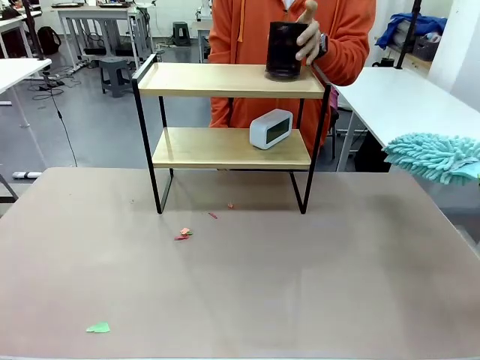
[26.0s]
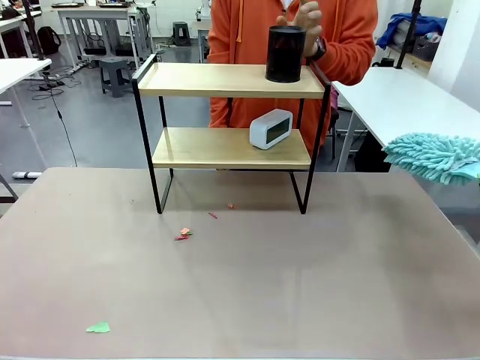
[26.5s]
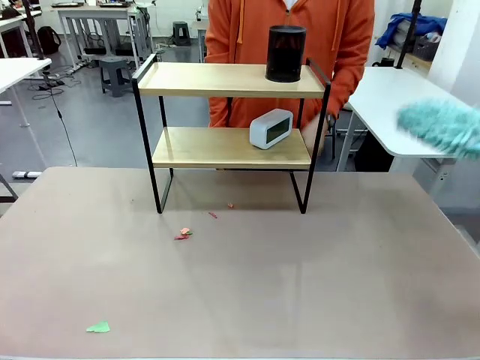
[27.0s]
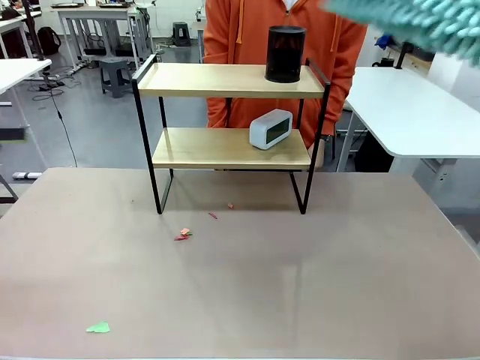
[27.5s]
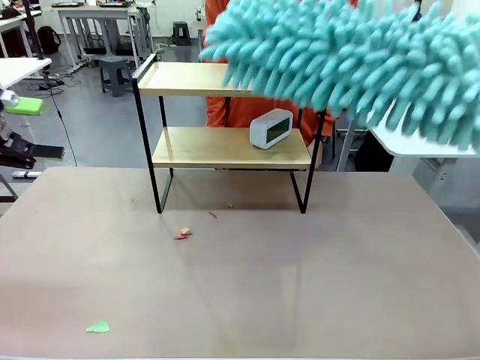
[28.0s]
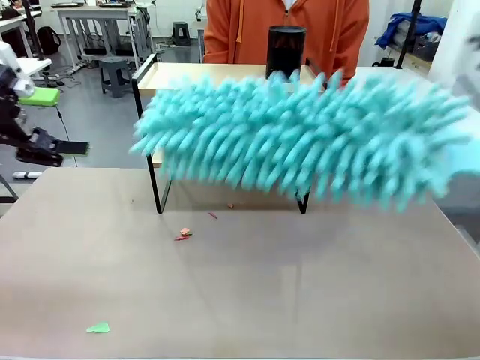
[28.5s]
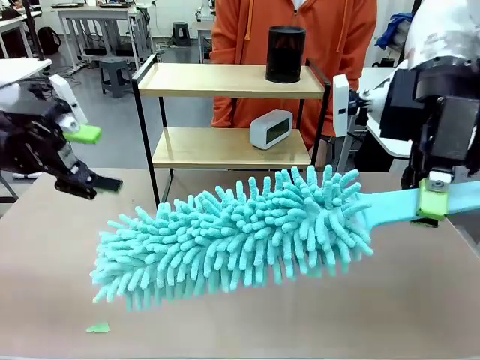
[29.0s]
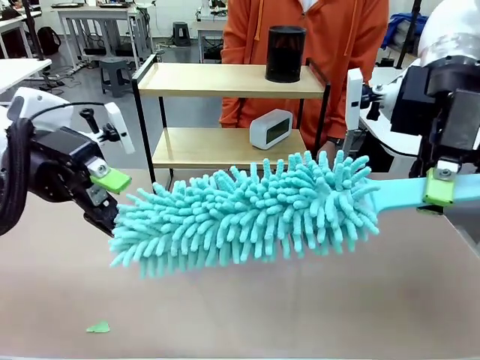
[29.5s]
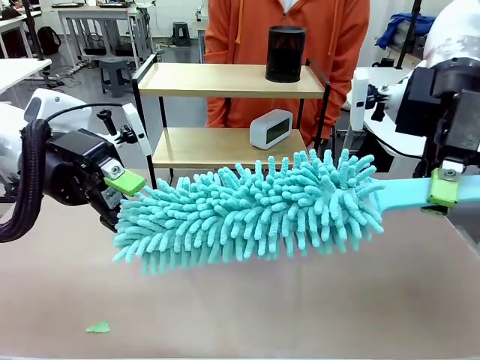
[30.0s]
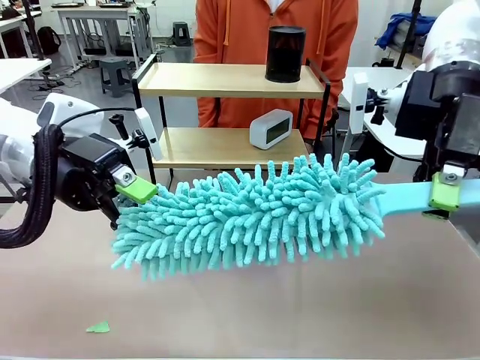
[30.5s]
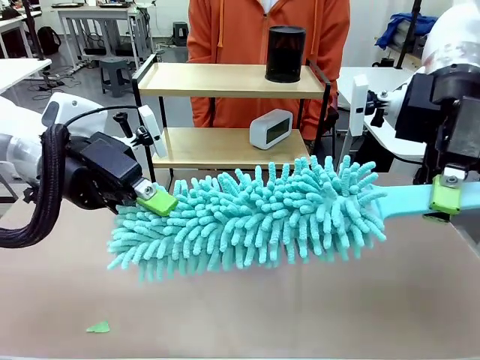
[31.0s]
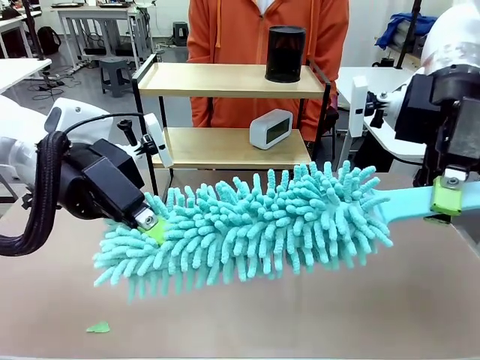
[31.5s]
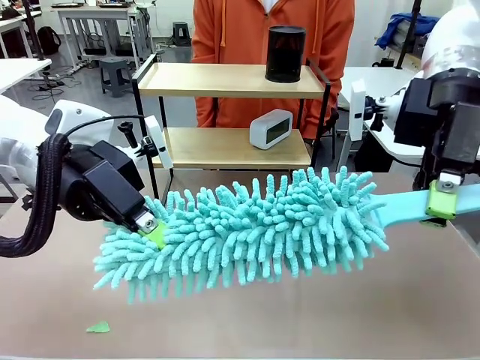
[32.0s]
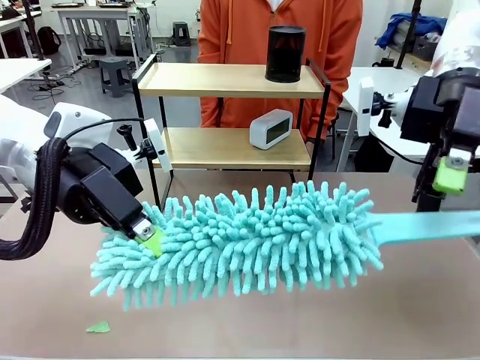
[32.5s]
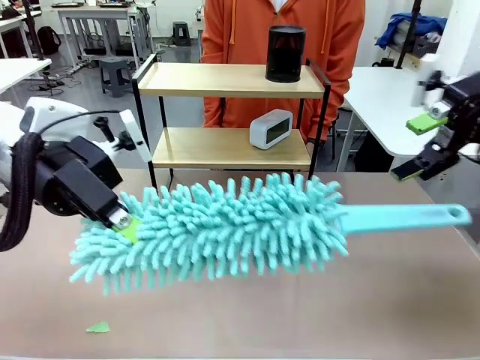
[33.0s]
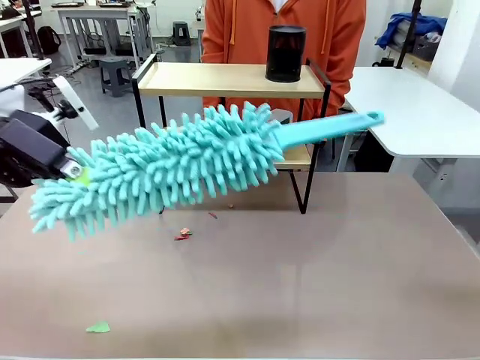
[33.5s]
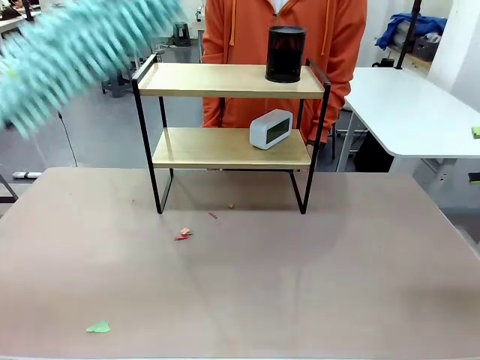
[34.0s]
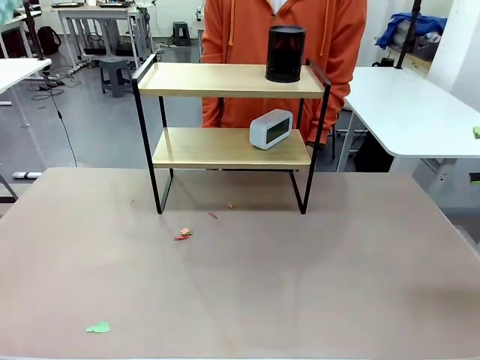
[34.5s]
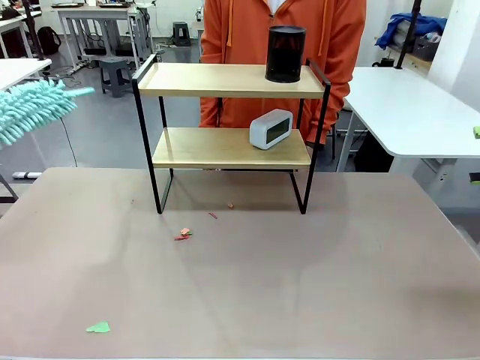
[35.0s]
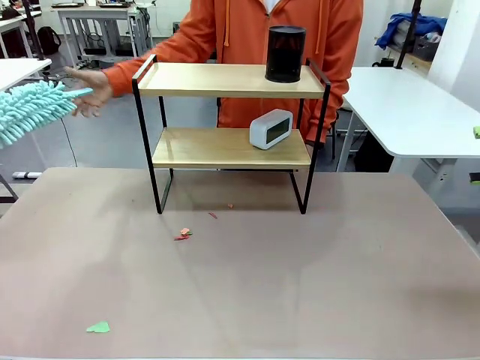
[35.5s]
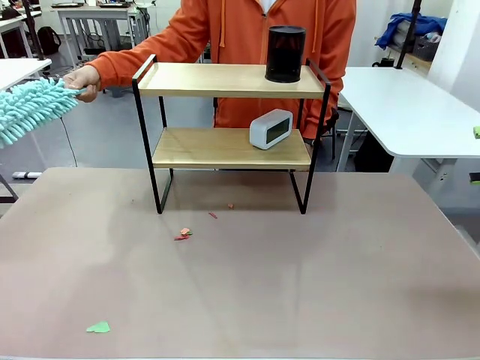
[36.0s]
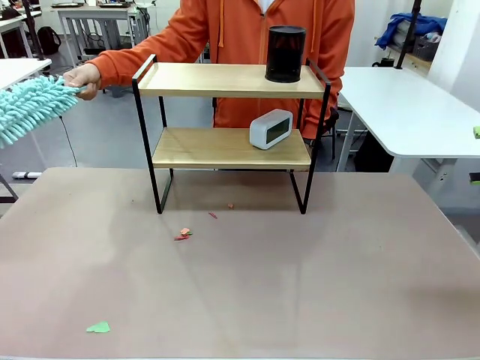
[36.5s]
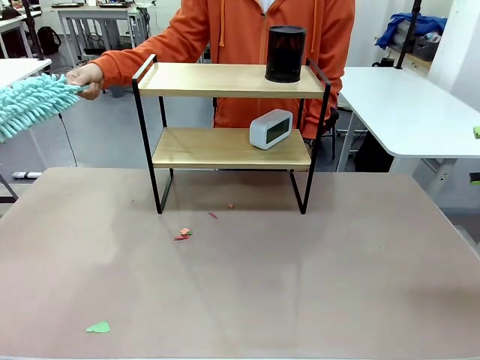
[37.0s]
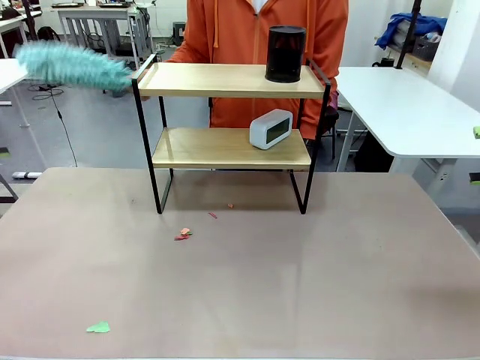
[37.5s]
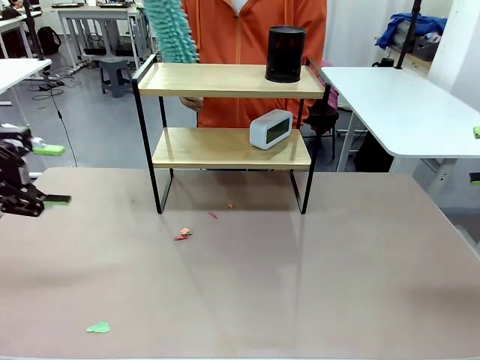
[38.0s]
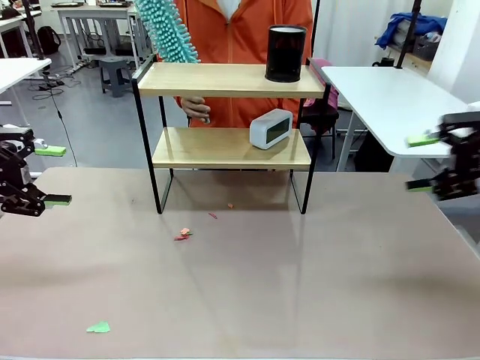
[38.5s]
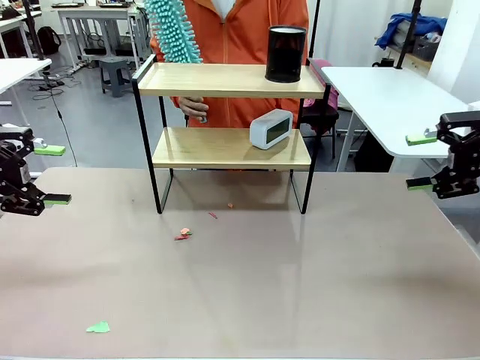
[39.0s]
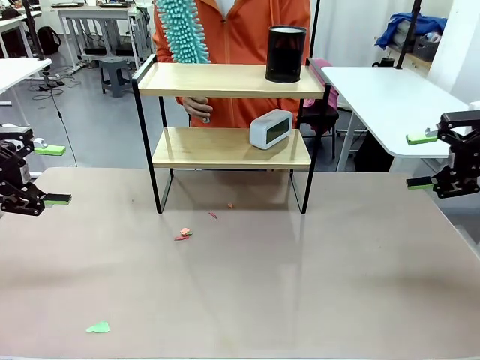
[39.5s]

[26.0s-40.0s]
Task: Clean the shelf.
Robot: Hand the Duster back to the human.
Person: Receive the Duster from the robot.

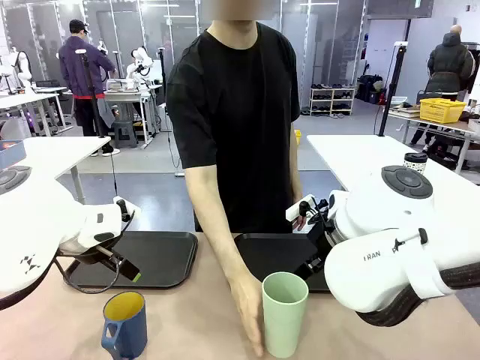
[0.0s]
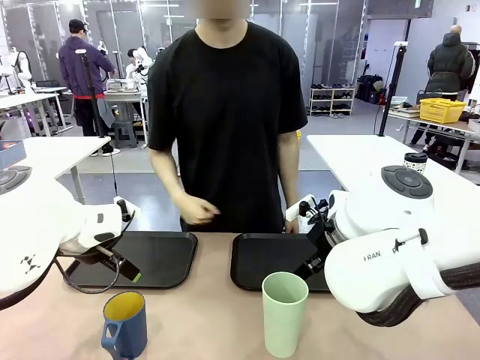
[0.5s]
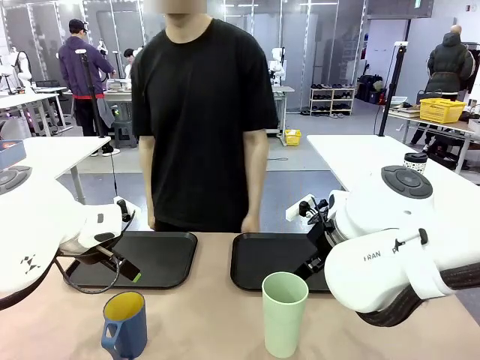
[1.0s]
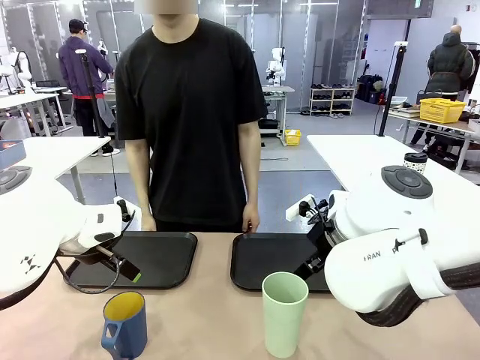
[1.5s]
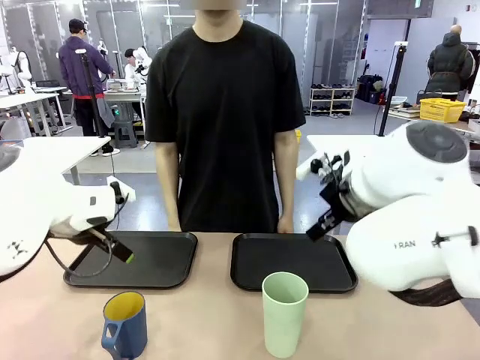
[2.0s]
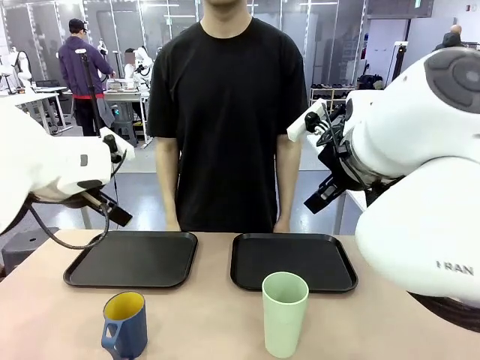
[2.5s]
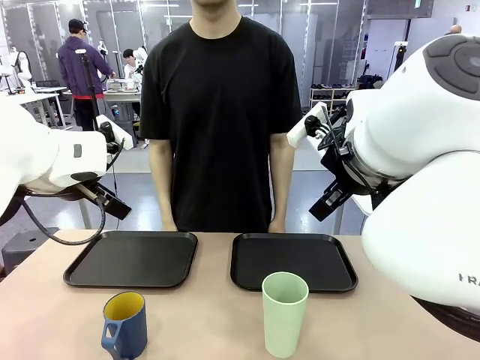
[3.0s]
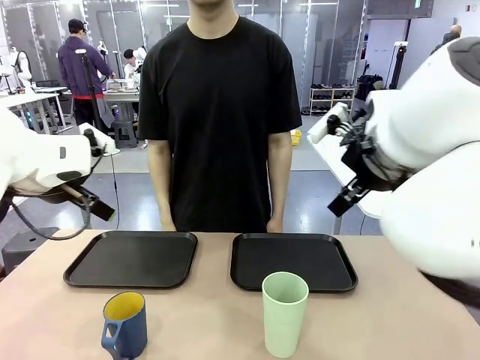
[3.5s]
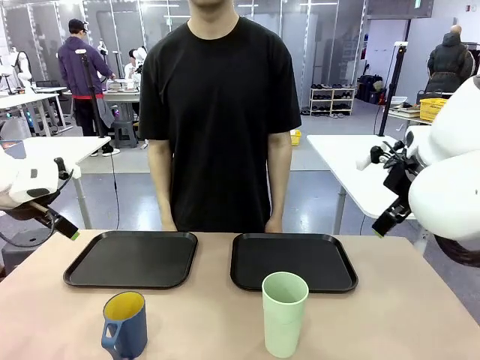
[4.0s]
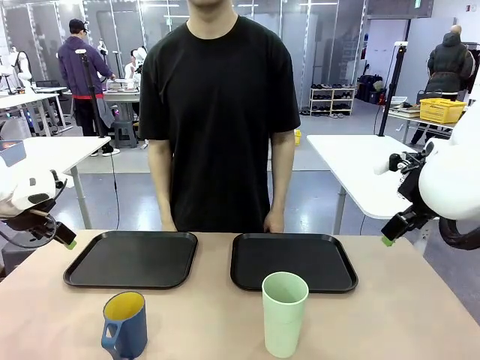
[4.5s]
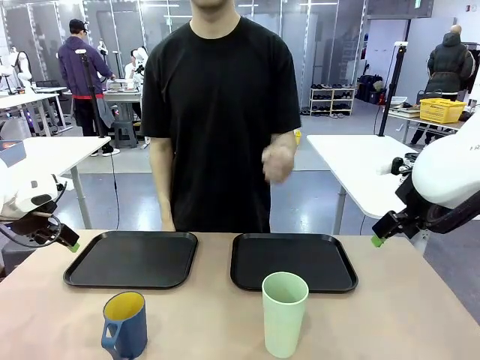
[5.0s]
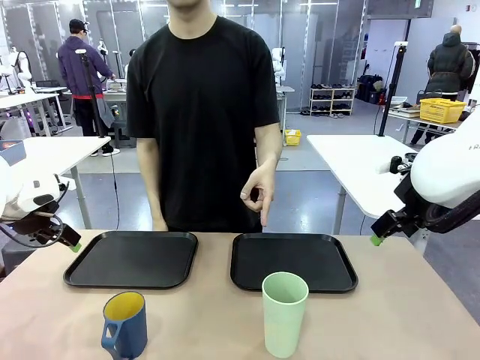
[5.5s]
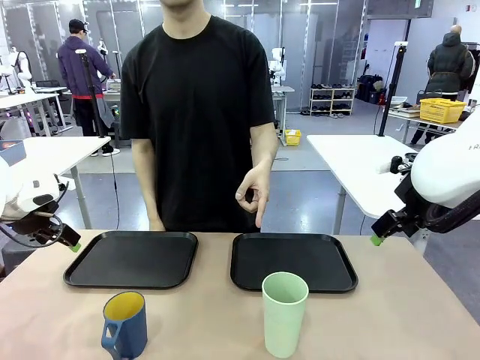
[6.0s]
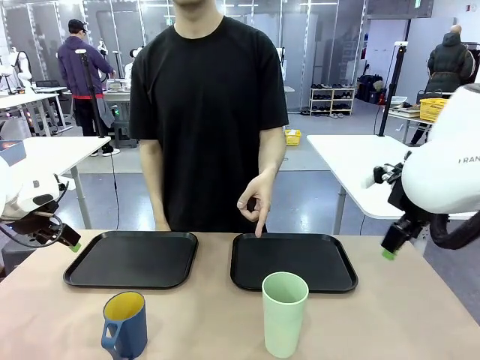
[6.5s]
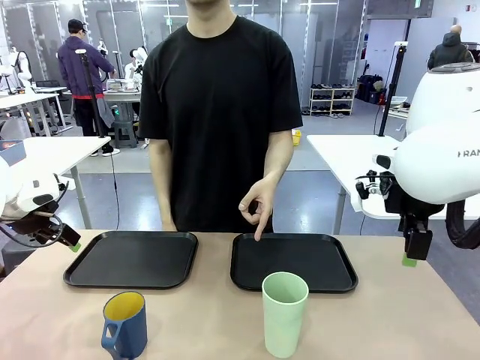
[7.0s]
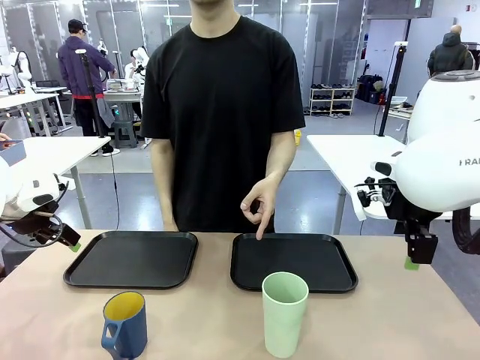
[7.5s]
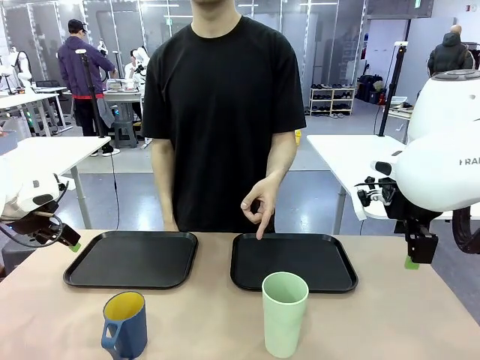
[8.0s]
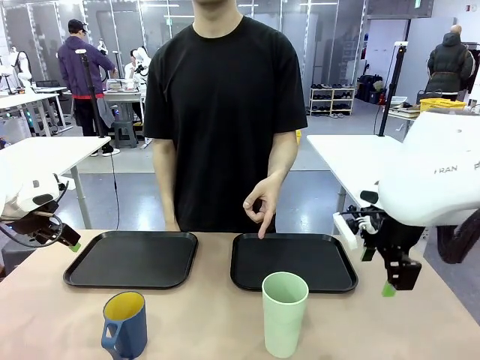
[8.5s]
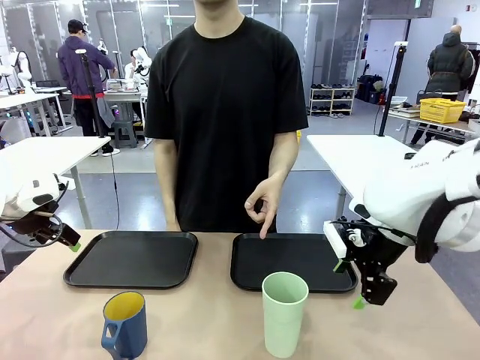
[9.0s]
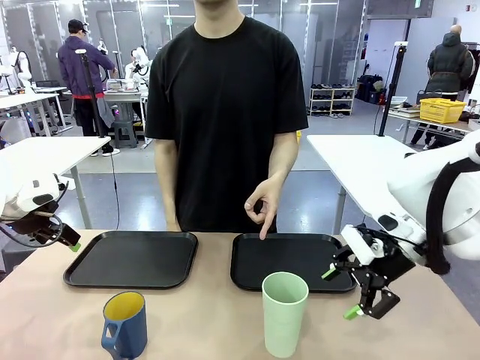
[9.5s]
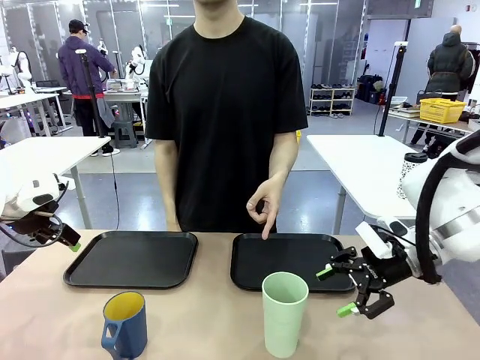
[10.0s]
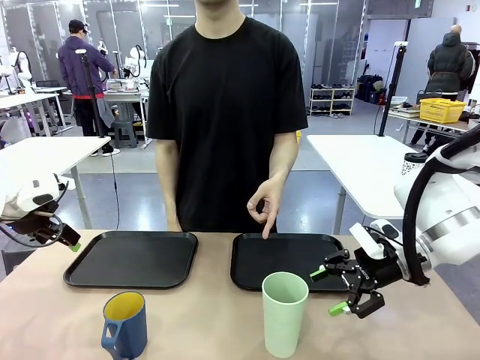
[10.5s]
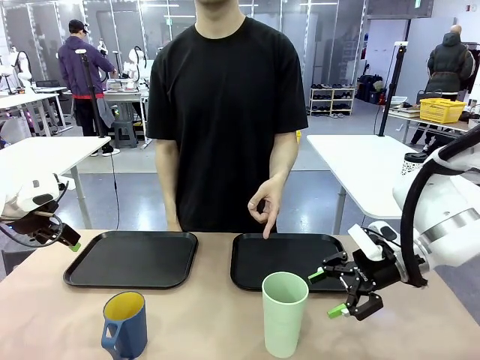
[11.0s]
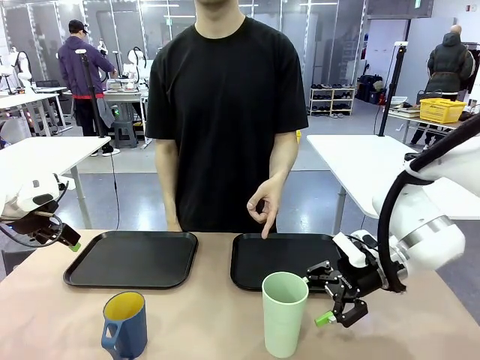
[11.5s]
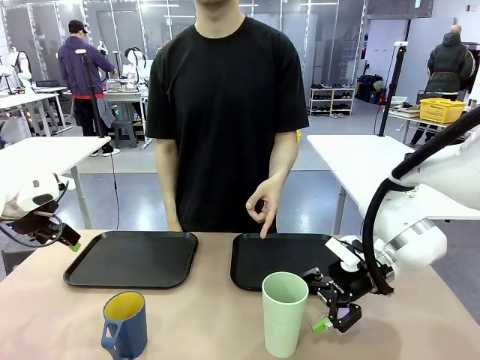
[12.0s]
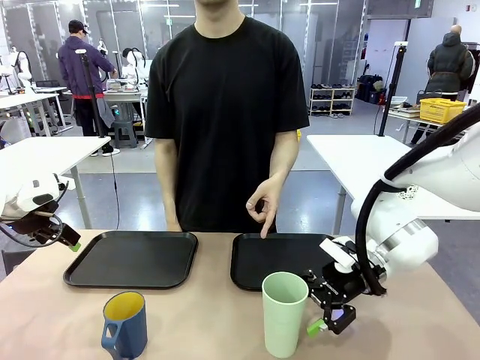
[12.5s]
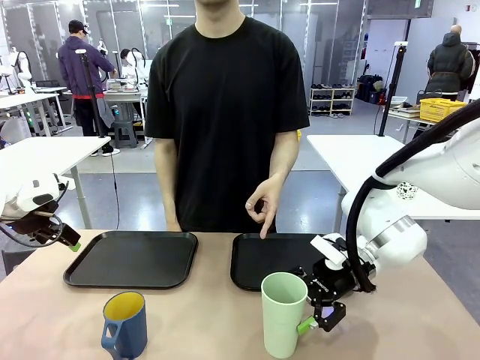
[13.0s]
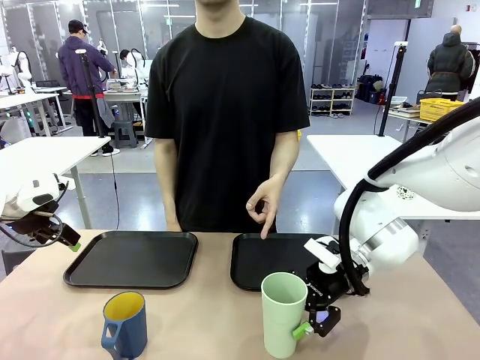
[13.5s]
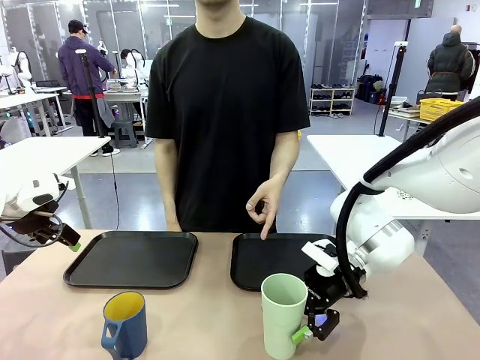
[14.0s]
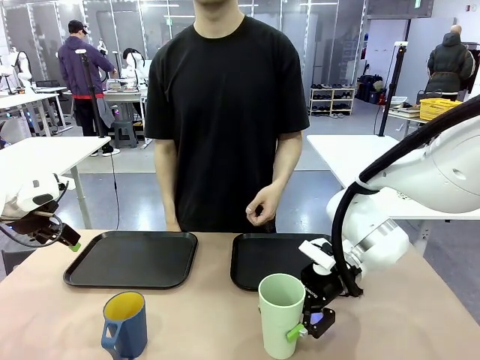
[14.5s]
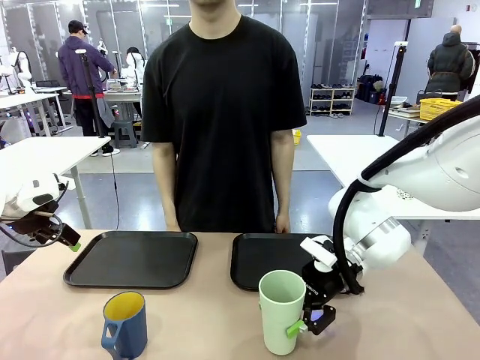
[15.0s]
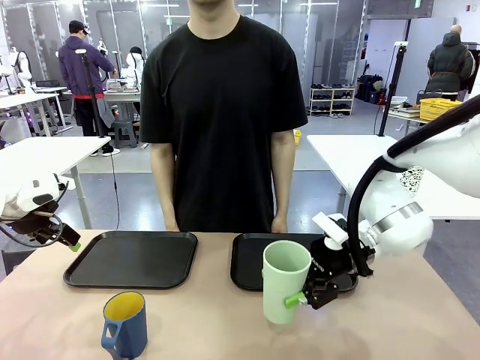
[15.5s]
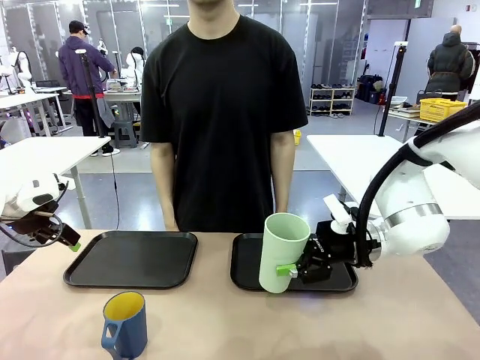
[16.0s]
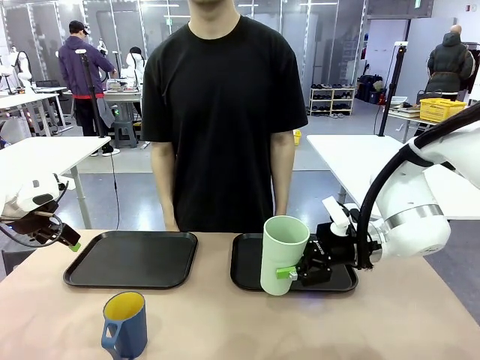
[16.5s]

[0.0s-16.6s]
Task: Sort and store the cups by type.
Robot: Pick up the Reusable plastic cup.
Person: Points to the reusable cup. Point to one of the two trays.
